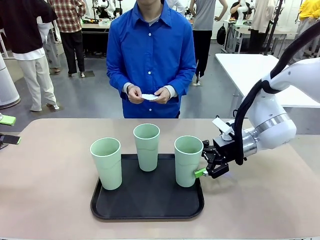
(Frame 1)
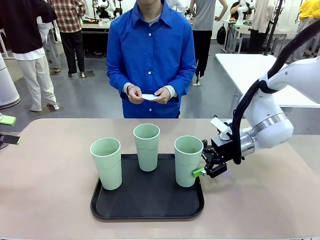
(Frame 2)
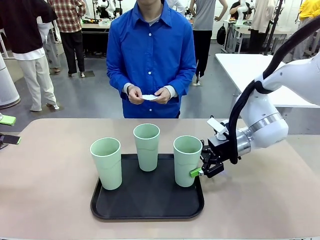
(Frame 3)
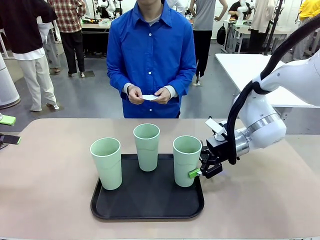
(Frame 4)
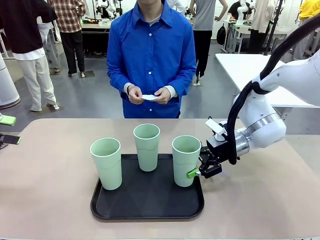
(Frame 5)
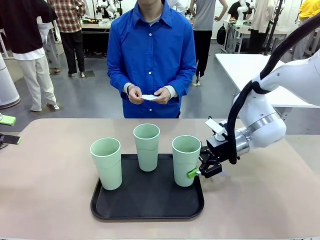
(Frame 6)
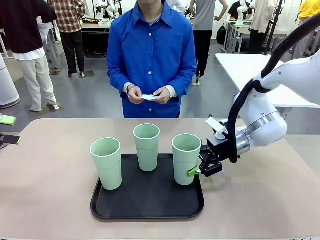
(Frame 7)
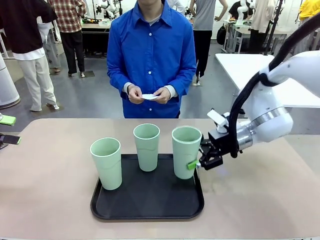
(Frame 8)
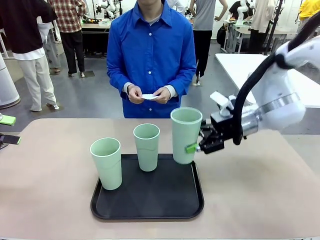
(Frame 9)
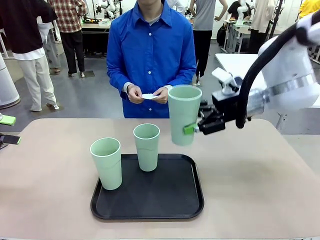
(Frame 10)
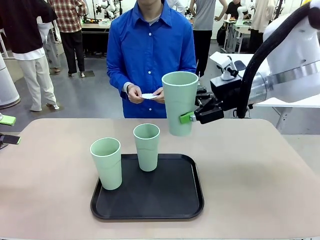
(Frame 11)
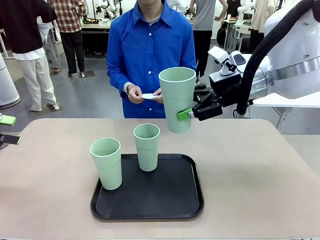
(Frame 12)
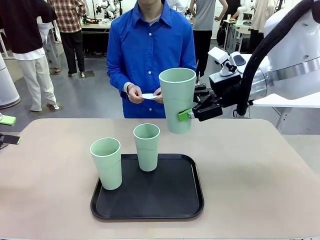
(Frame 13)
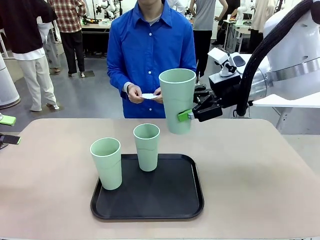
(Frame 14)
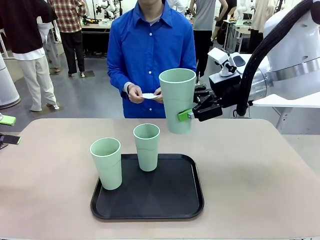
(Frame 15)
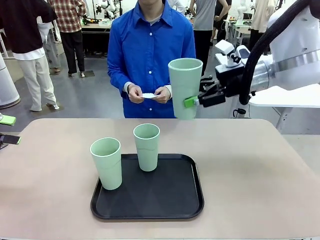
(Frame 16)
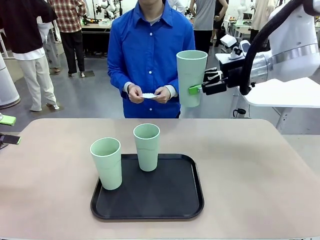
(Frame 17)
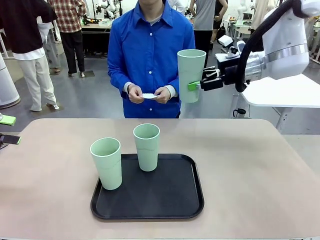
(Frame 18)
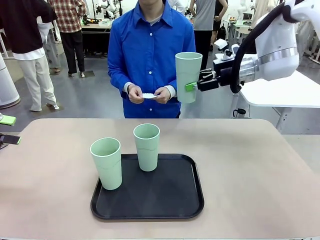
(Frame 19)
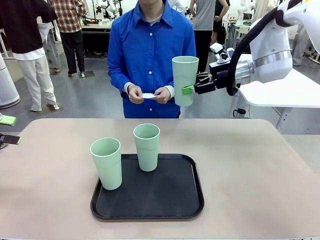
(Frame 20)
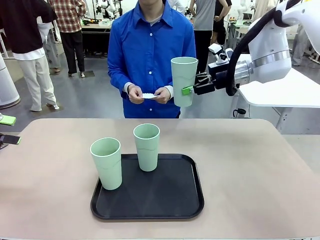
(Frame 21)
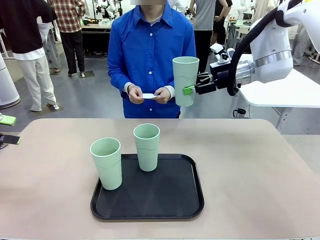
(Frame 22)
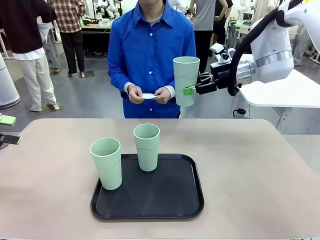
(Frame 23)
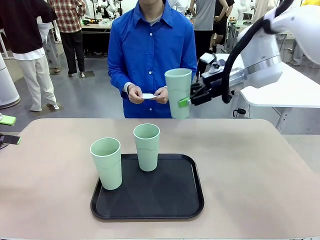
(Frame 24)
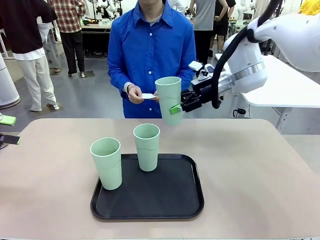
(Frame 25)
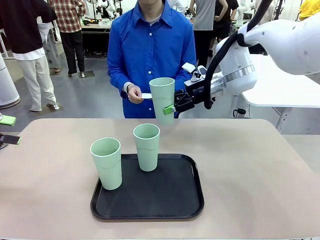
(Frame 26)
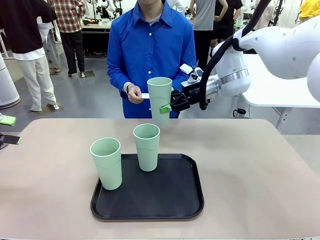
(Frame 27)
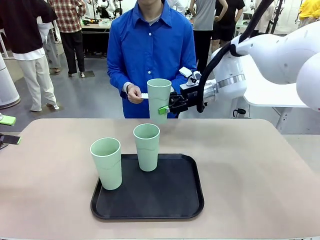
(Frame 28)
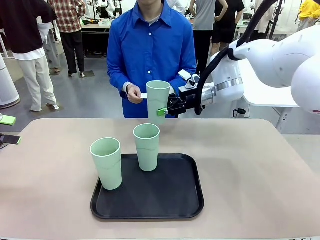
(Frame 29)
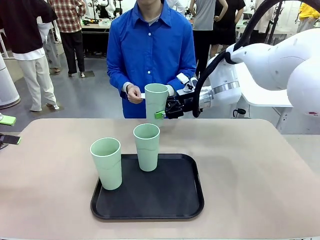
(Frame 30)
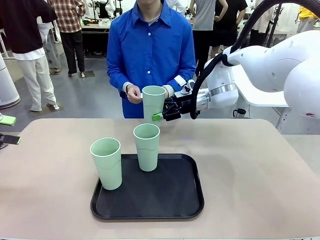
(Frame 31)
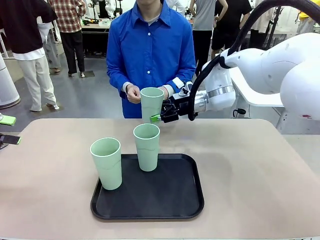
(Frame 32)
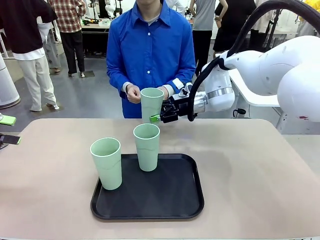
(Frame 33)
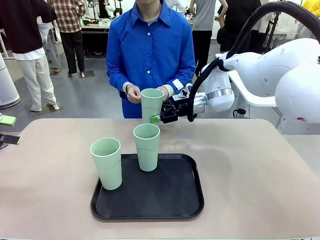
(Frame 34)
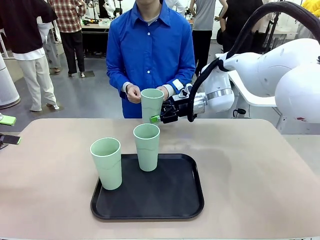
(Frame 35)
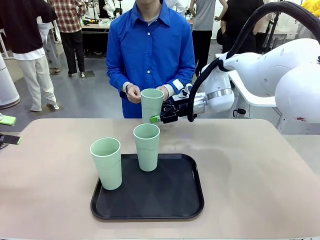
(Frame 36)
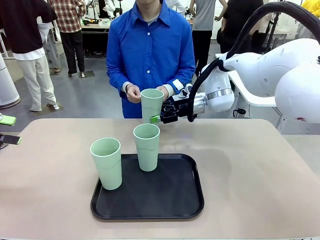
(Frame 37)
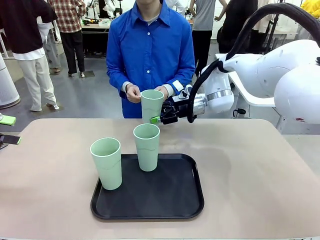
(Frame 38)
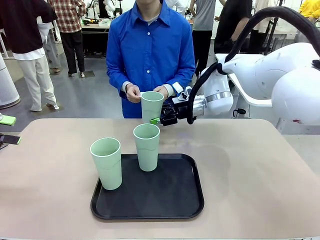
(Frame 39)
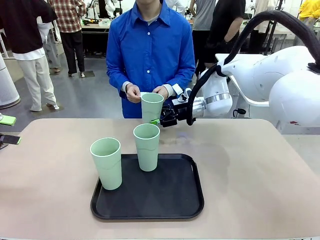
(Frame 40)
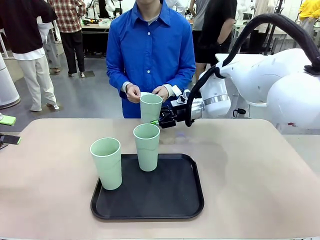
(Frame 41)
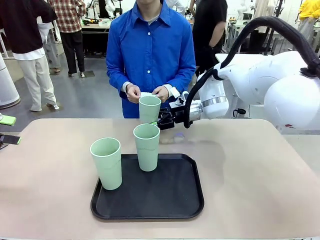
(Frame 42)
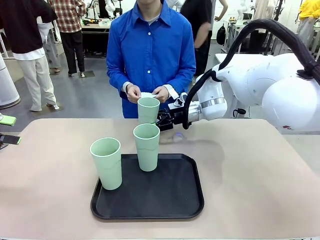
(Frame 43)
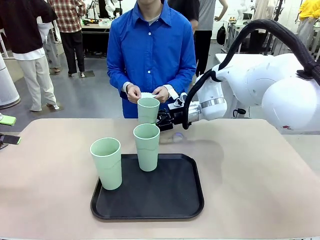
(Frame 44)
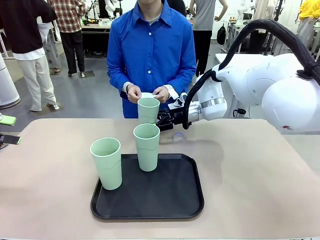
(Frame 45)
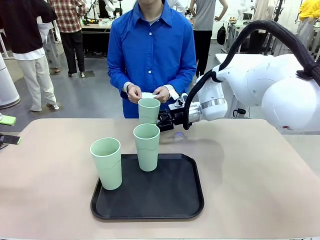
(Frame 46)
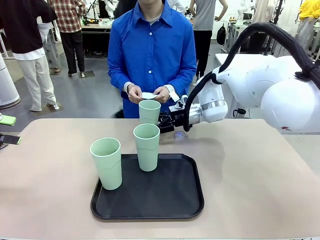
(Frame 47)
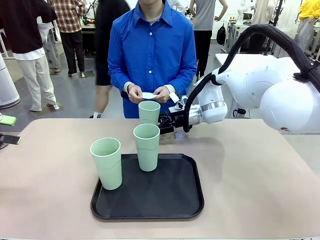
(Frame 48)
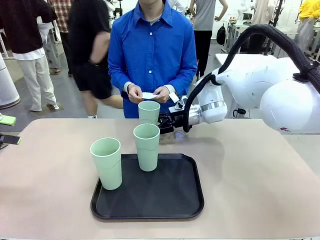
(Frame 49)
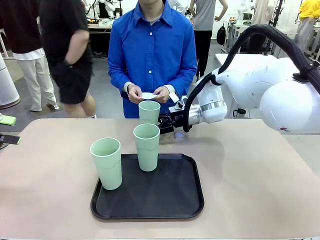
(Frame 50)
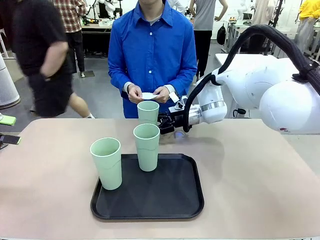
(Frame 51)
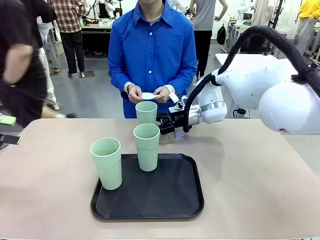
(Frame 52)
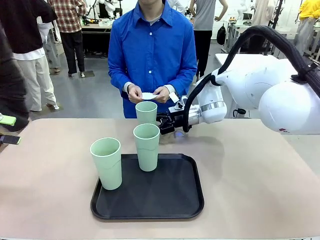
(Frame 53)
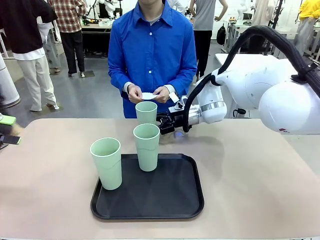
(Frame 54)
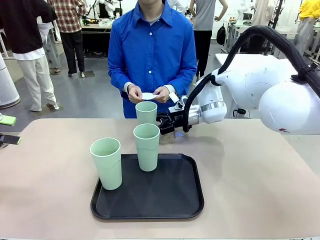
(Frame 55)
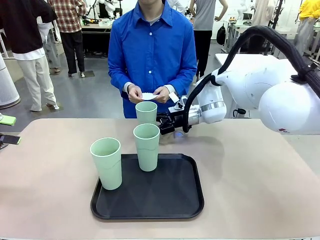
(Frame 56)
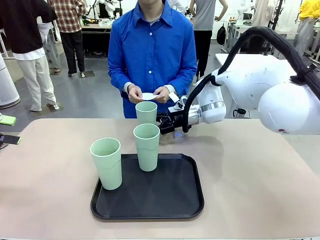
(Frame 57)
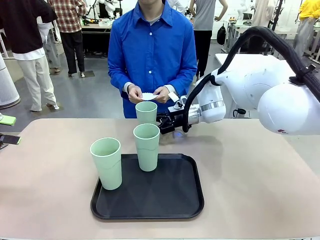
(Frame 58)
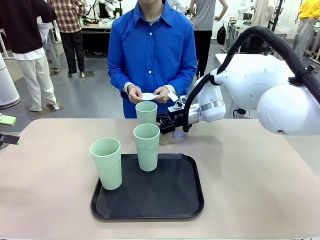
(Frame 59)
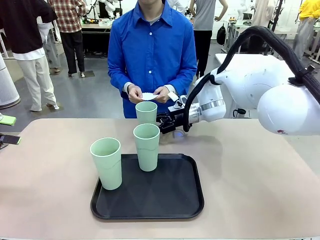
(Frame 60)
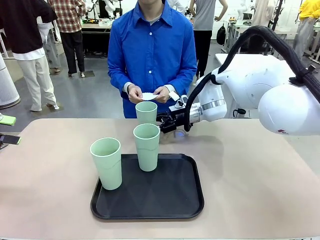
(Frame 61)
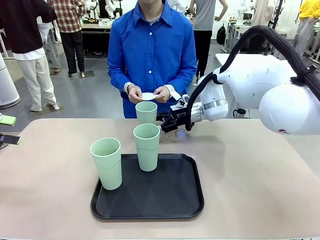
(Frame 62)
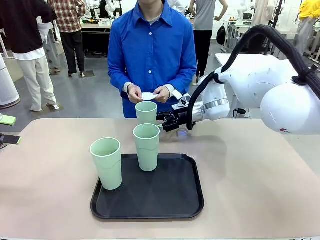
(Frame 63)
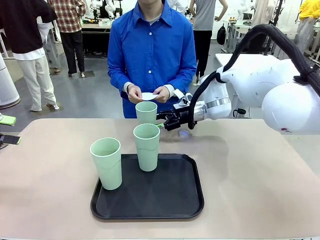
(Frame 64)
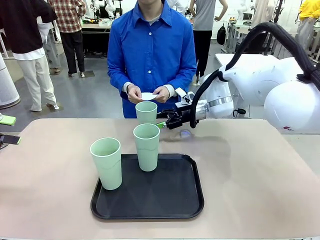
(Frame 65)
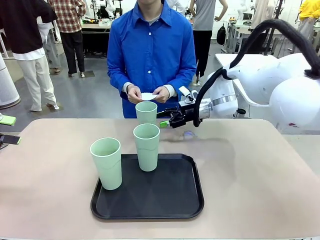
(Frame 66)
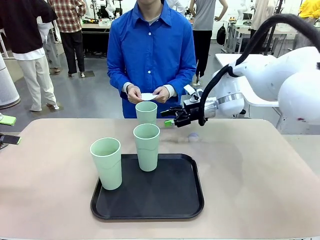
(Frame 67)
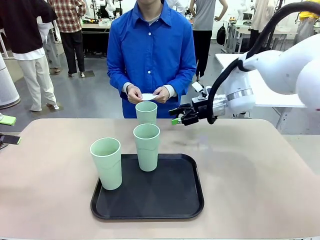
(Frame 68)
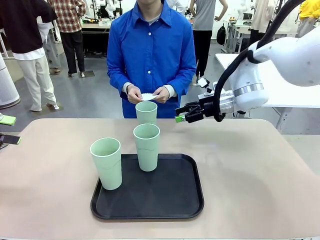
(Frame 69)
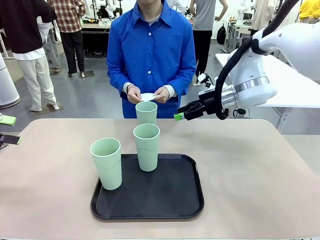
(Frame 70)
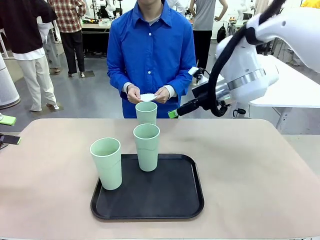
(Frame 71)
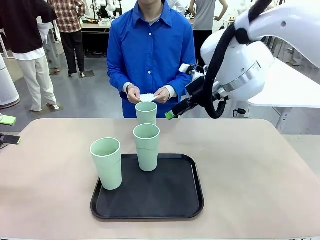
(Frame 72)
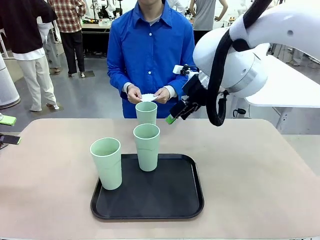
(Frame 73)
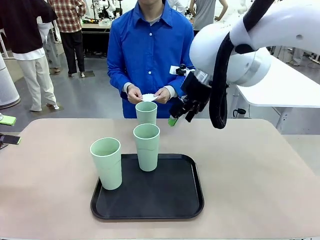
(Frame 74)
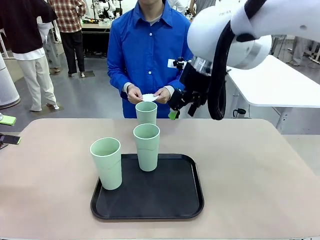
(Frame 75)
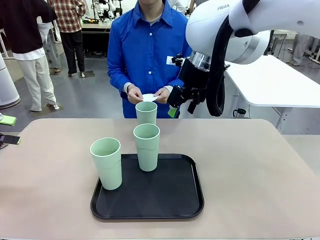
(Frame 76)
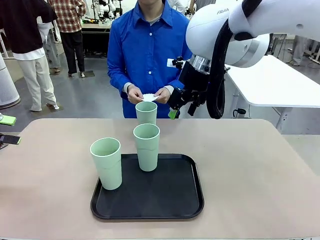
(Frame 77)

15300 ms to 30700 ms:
Task: Place coasters on the table and set cups on them.
Robot: Pick up one Reusable plastic cup and place it on a coaster set by the human.
Person: Place one coaster in one of the two areas excluding the previously selected area.
